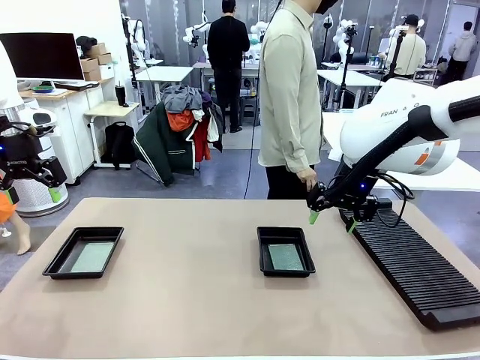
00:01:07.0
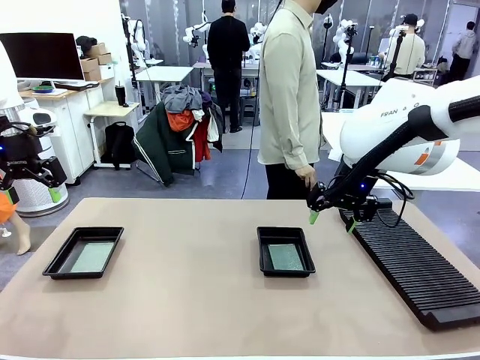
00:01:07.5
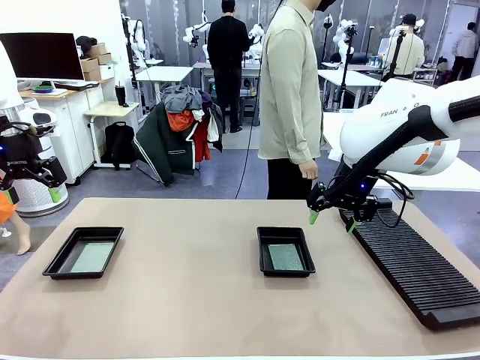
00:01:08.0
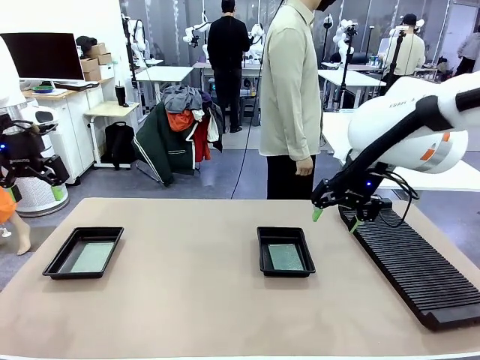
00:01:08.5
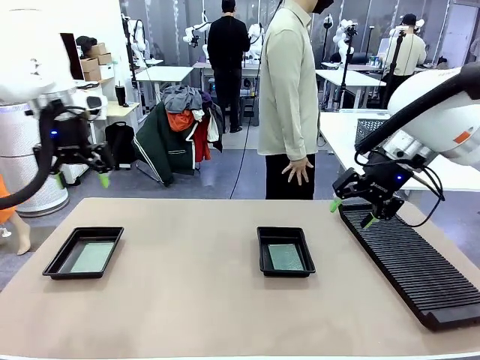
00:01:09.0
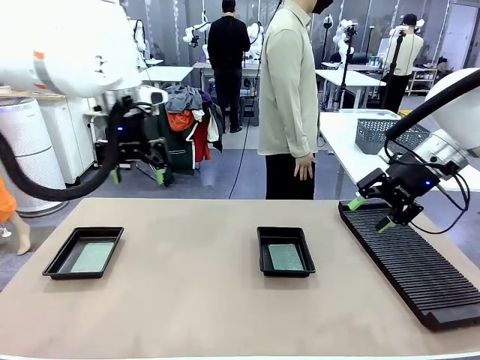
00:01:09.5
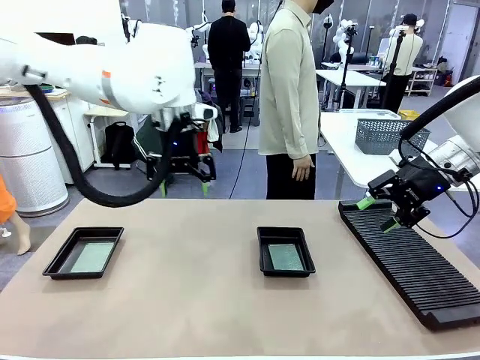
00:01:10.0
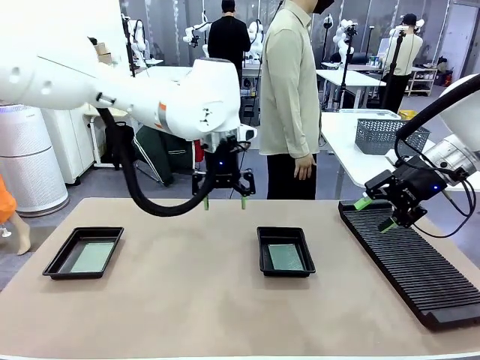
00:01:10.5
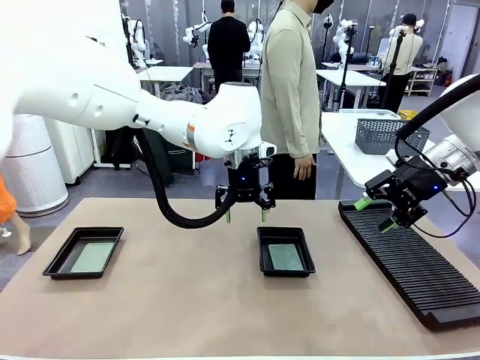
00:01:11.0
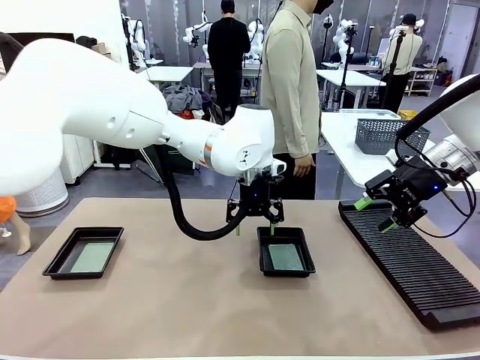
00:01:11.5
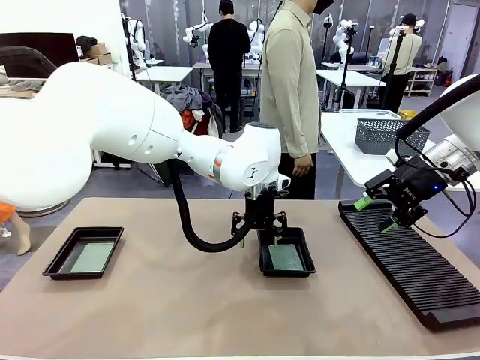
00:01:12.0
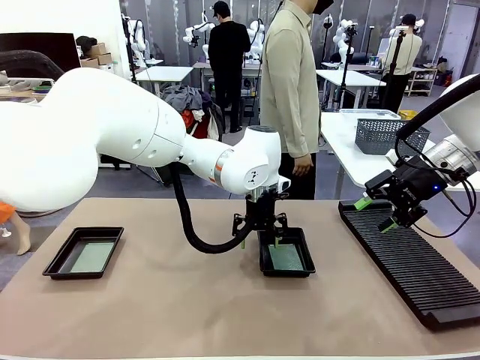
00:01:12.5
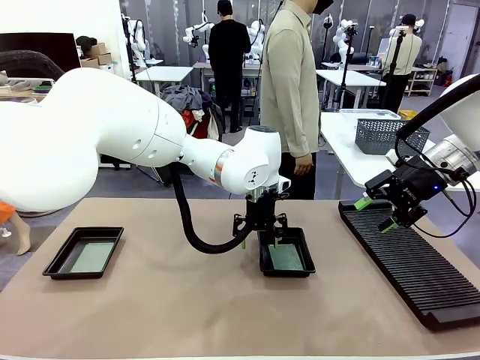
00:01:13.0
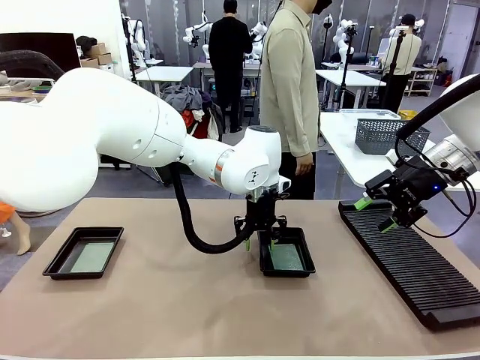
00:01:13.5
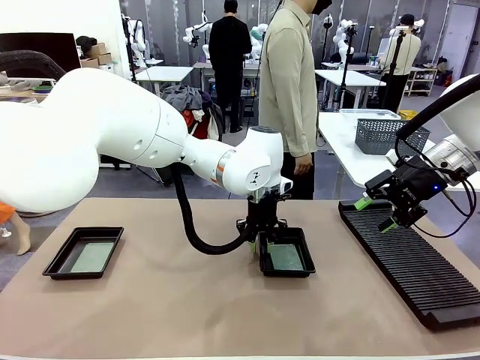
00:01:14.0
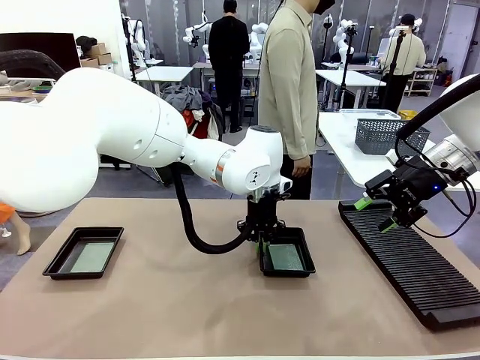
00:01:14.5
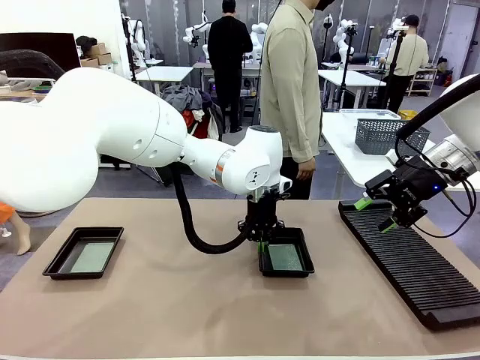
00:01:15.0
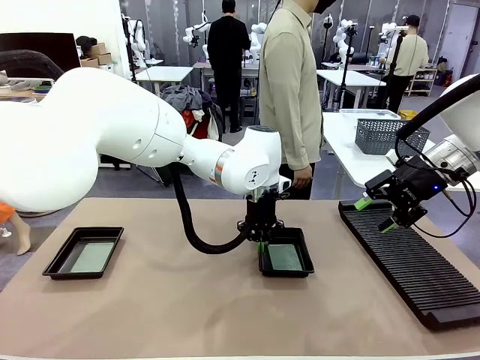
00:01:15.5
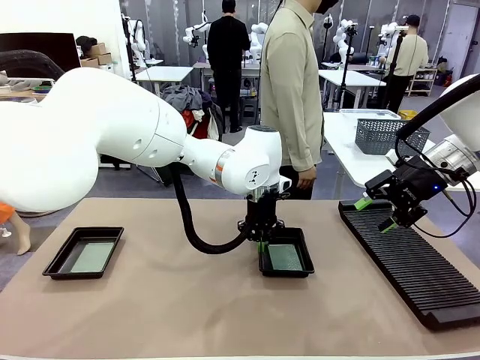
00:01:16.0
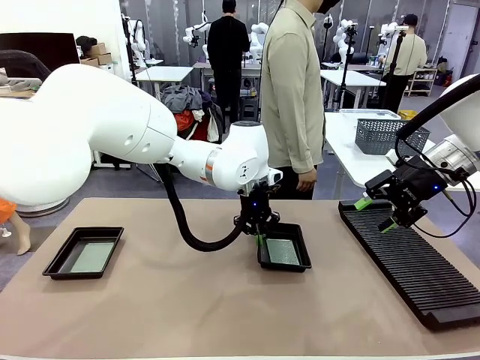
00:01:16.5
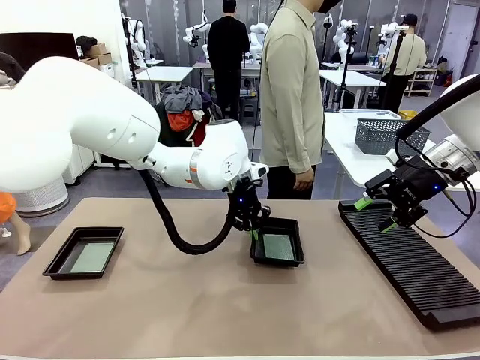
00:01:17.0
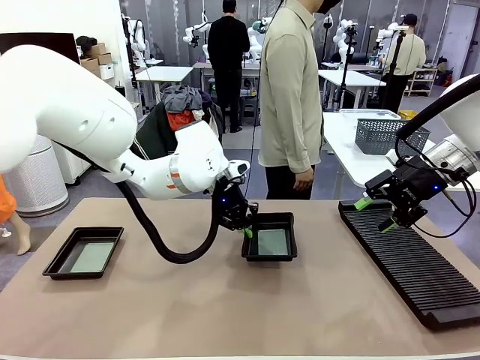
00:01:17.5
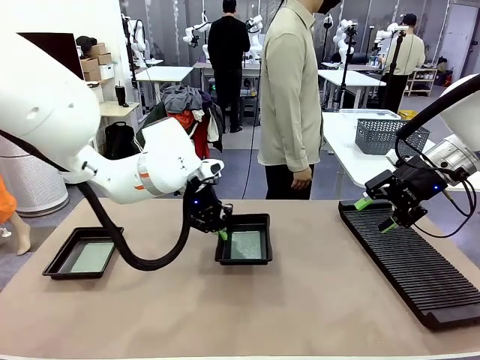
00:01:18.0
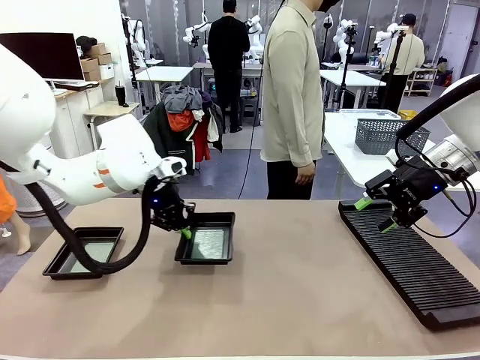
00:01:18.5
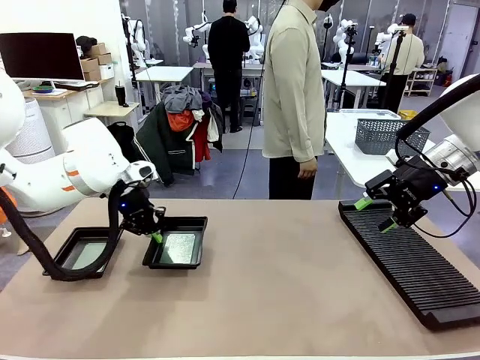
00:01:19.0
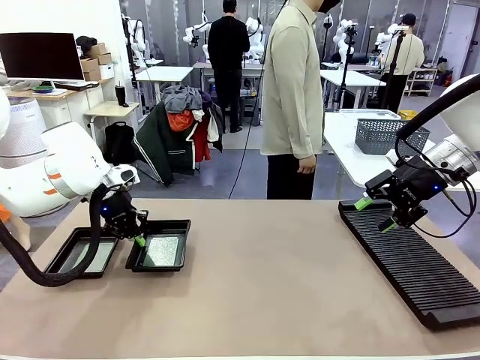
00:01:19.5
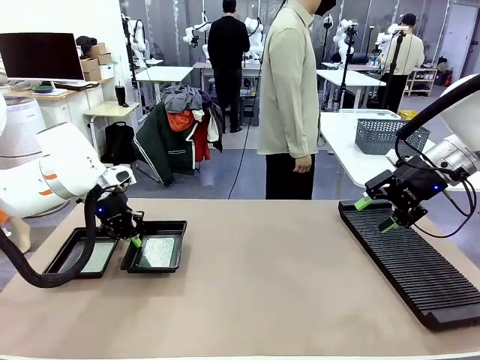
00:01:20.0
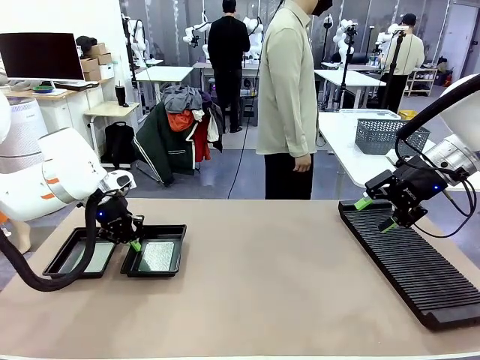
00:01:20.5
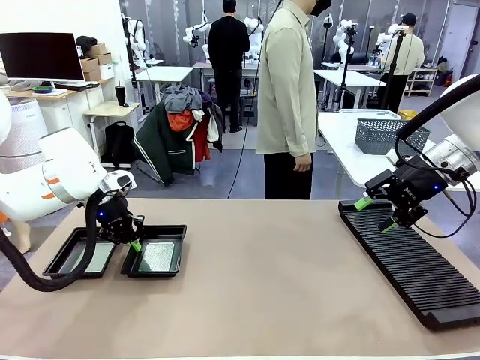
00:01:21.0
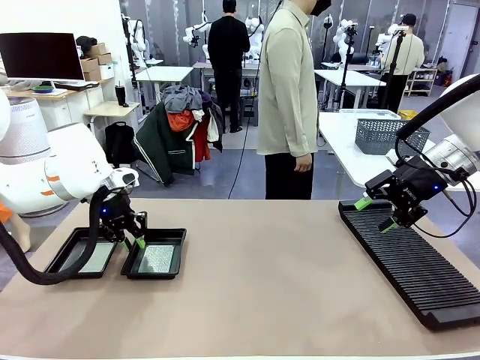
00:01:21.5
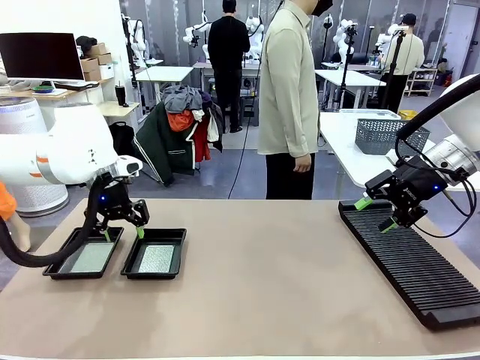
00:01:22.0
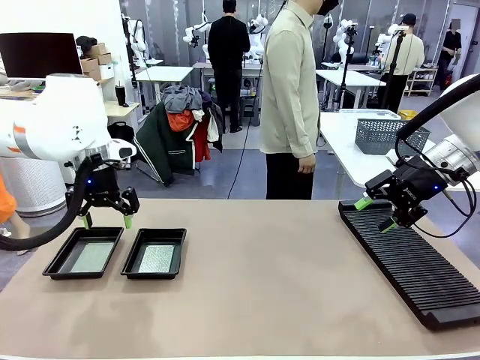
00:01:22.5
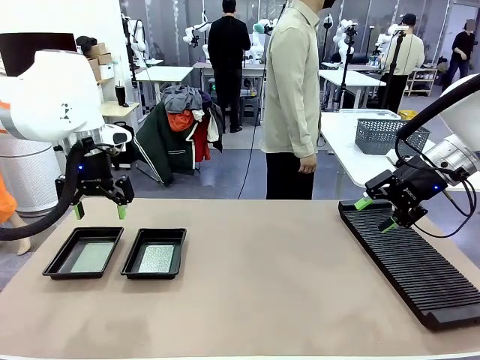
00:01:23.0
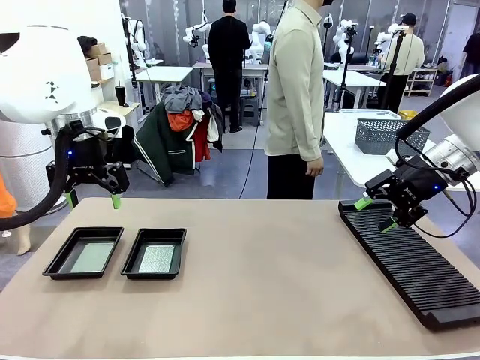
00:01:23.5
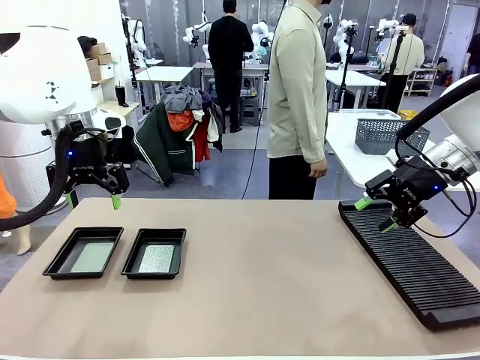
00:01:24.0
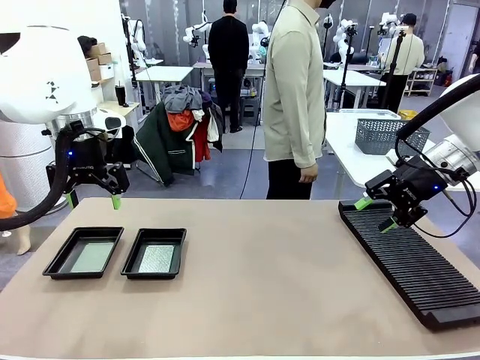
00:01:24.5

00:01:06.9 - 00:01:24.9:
Task: Inspect and transfer BCBs to ESD trays.
Robot: Pick up the ESD tray and place it on the left side of the table.

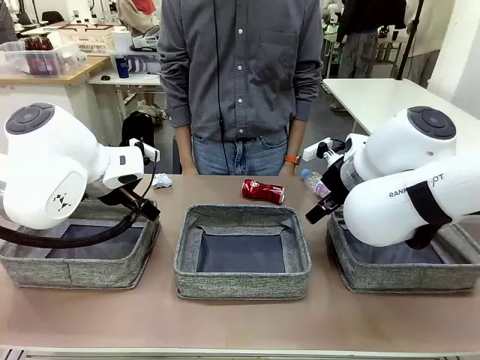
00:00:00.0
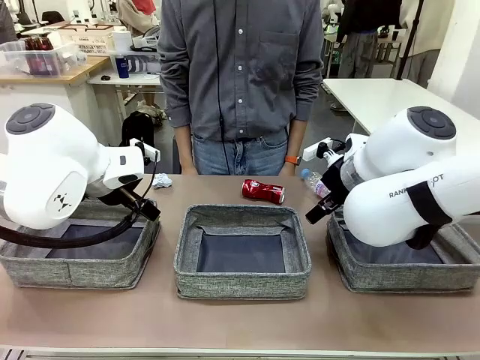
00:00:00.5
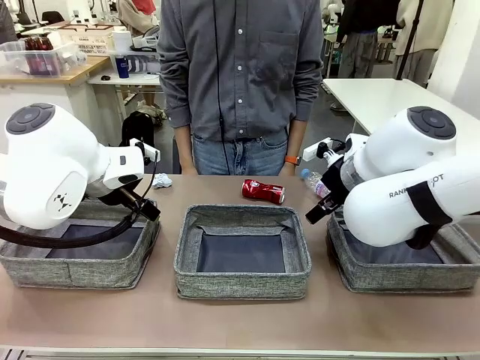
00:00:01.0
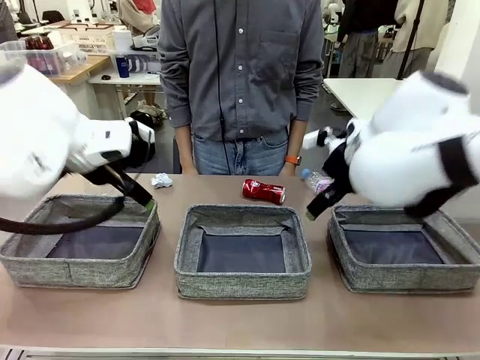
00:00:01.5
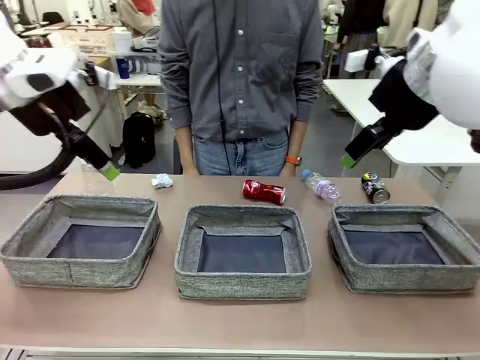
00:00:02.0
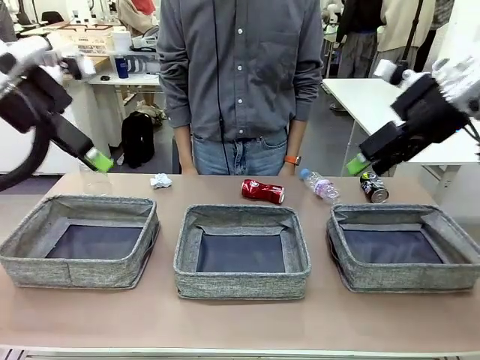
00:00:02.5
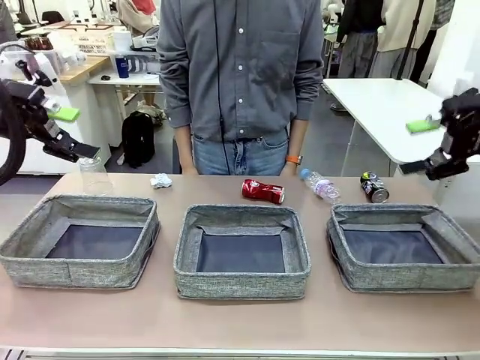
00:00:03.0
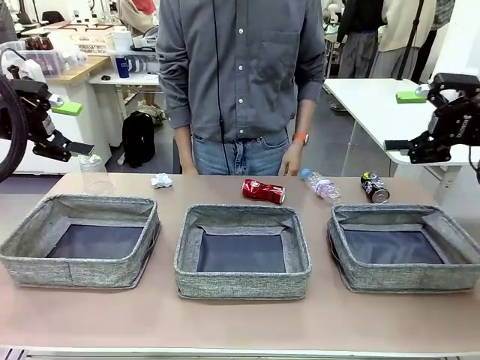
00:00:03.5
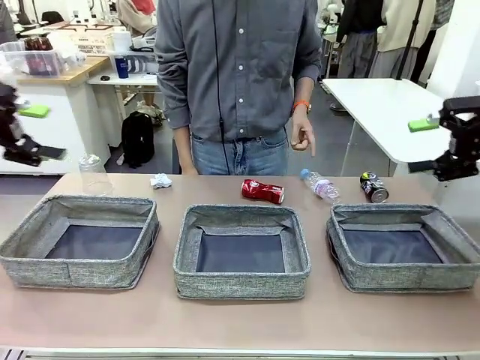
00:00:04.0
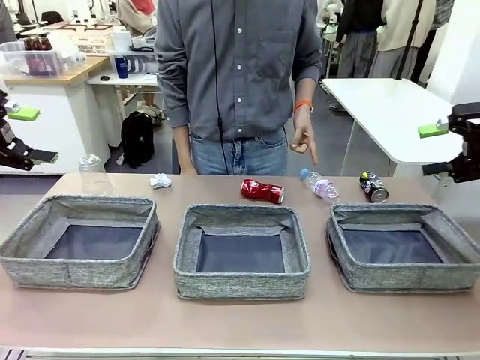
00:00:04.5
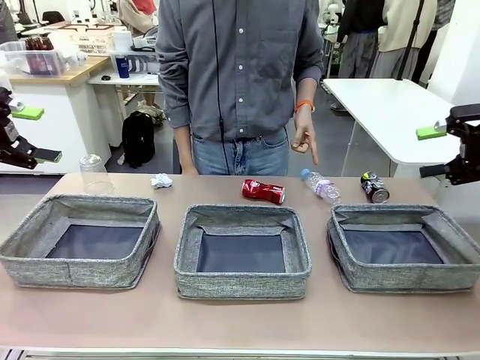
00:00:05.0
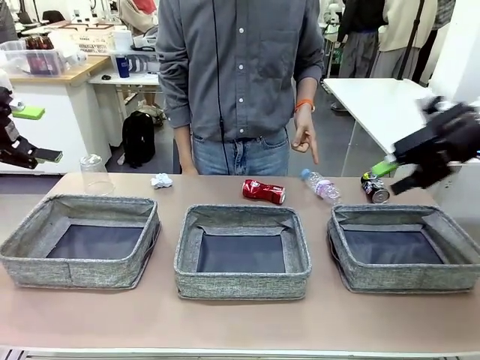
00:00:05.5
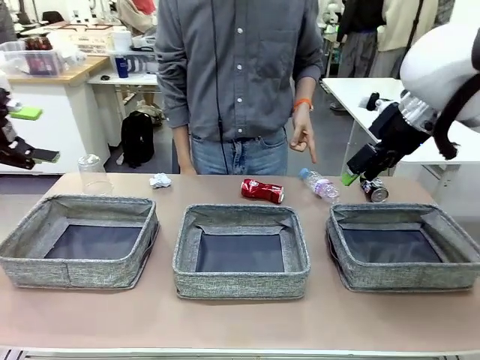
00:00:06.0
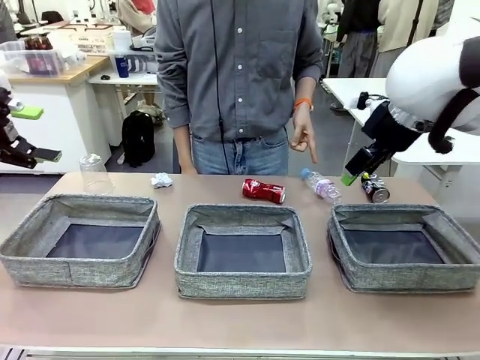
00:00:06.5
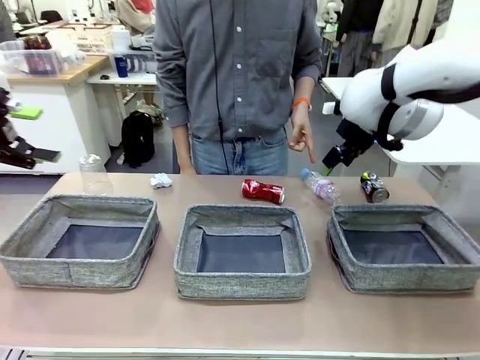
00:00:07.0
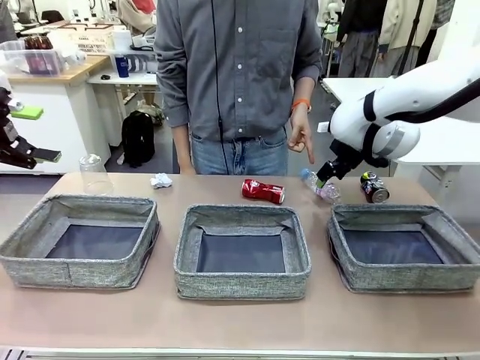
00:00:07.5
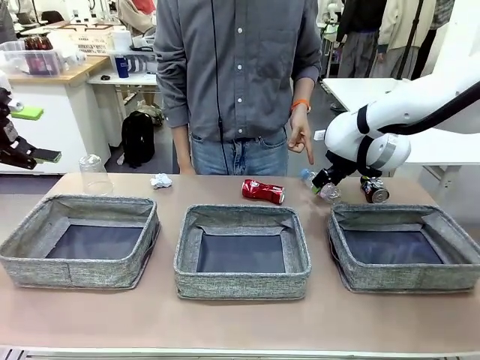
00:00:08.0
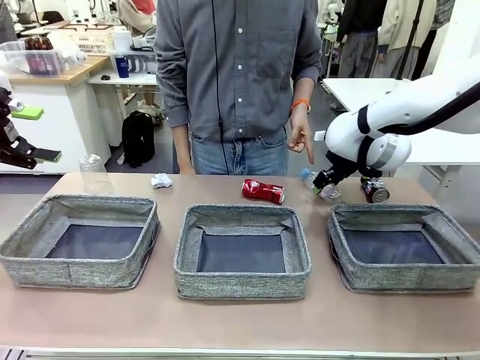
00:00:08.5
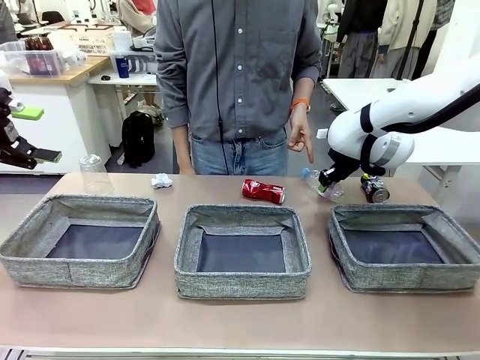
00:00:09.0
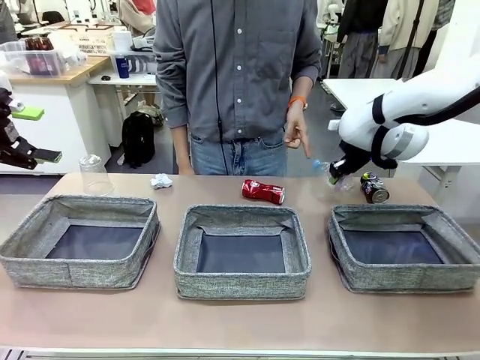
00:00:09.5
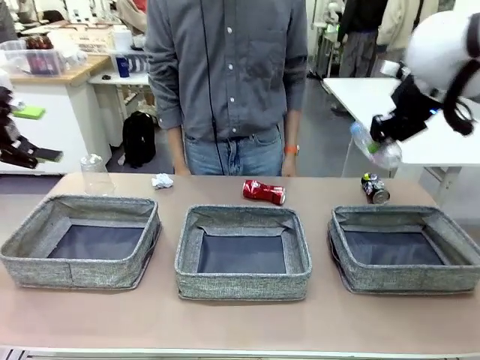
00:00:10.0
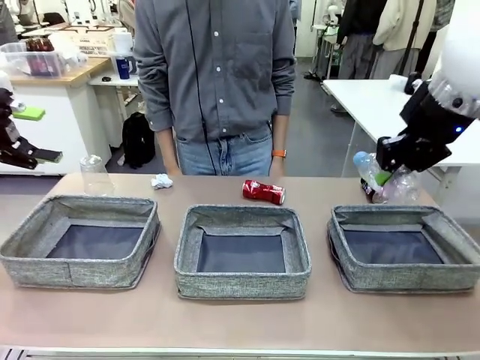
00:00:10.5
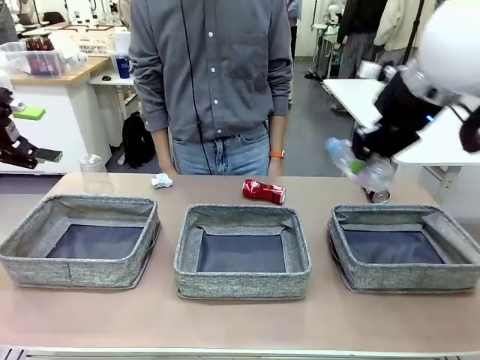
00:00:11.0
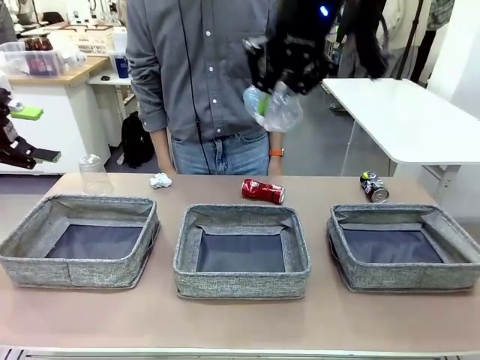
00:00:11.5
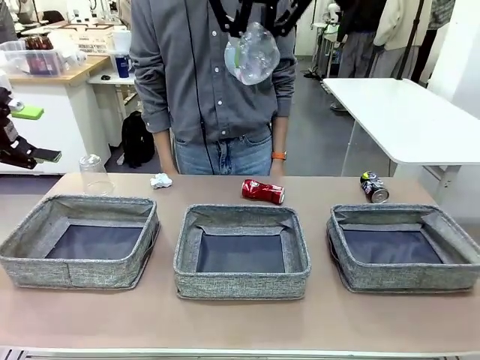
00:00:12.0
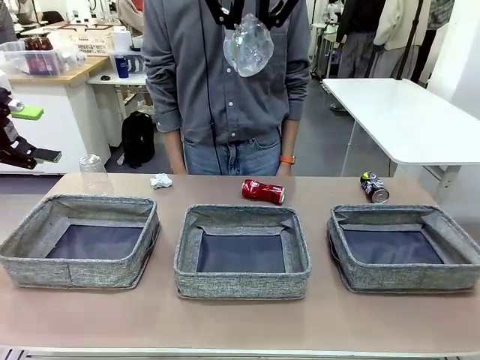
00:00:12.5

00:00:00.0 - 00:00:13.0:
Task: Sort the waste into the appropriate baskets.
Robot: Pick up the waste item pointed out by the person.
Person: Points to one piece of trash on the table.
